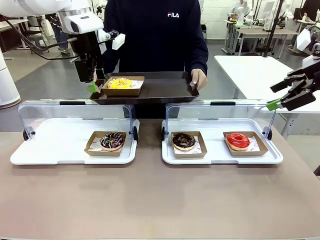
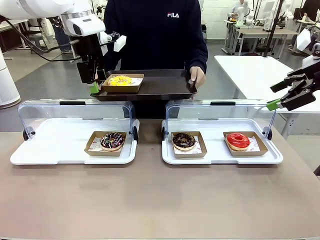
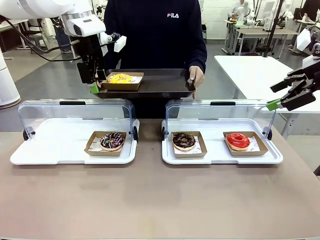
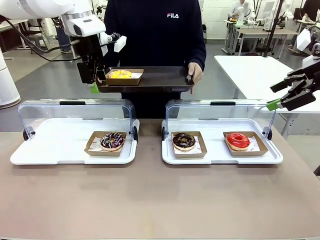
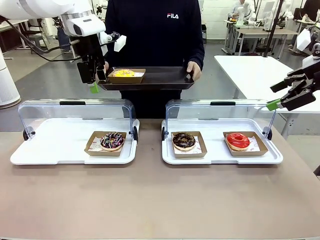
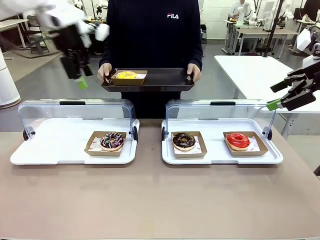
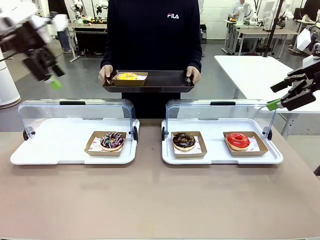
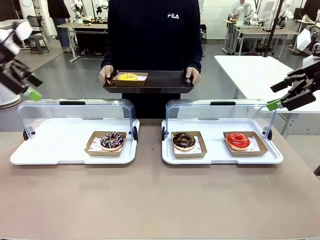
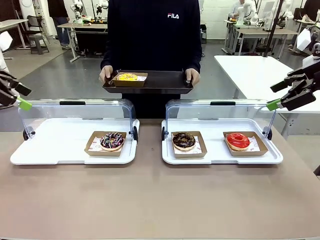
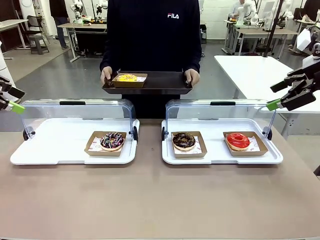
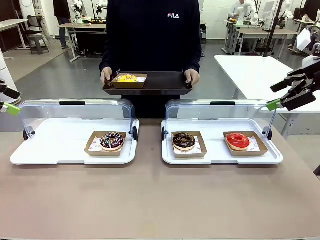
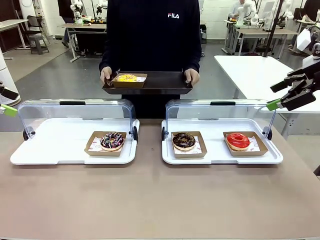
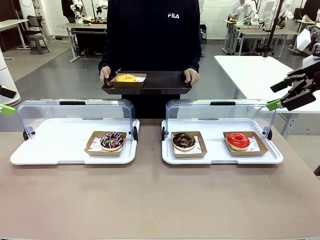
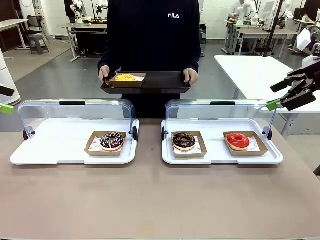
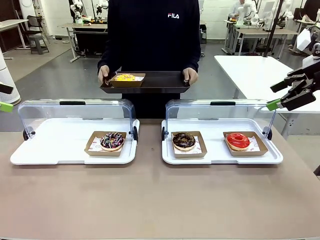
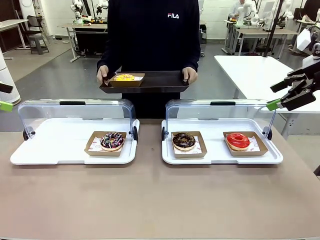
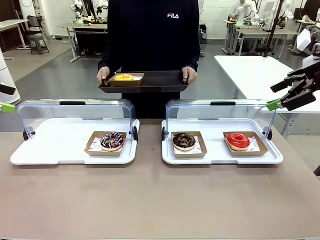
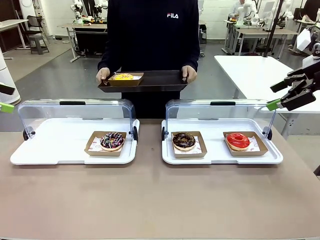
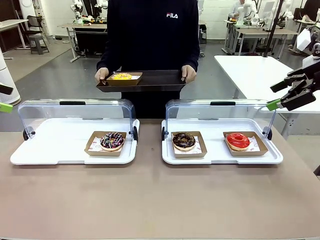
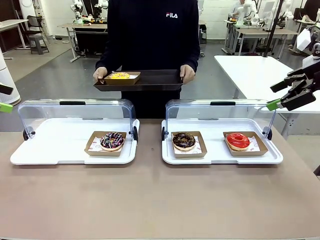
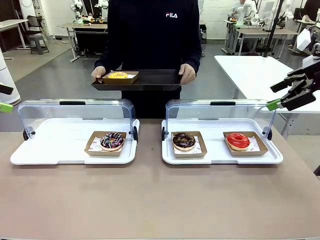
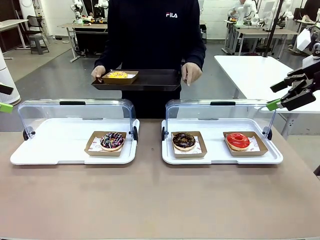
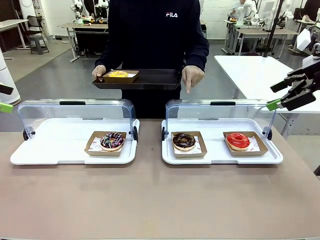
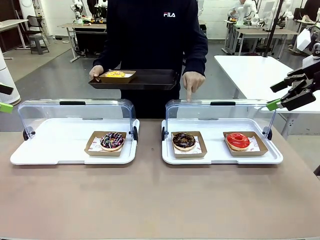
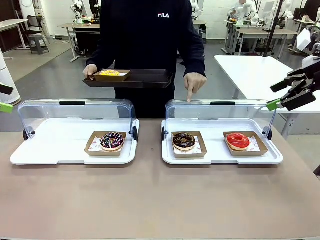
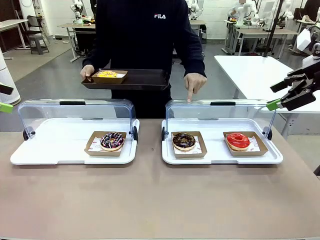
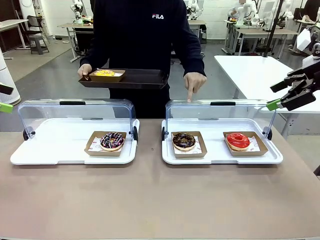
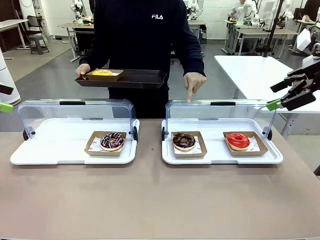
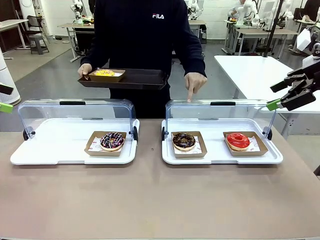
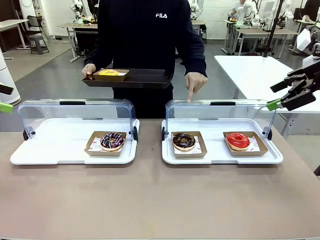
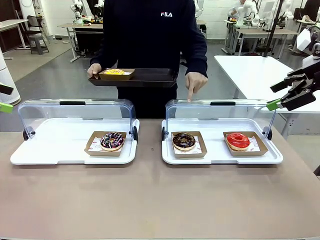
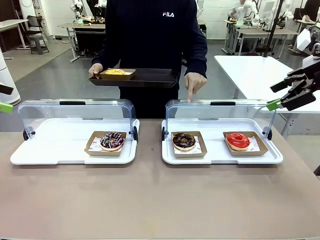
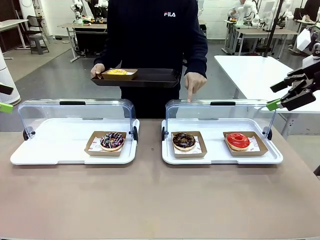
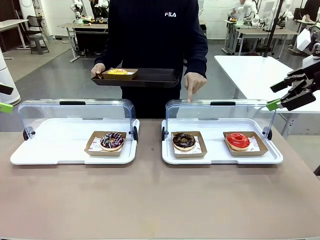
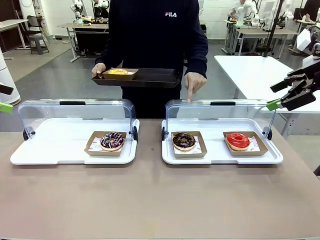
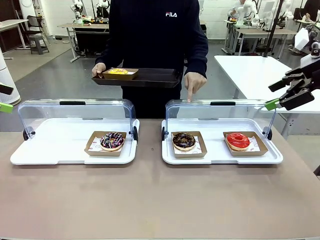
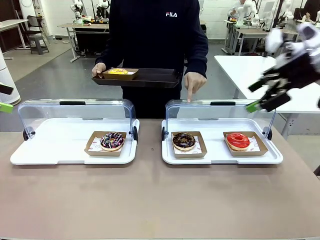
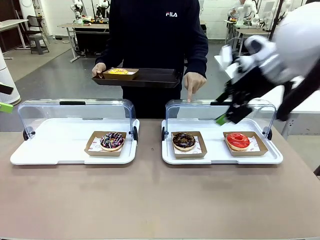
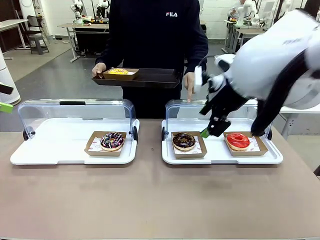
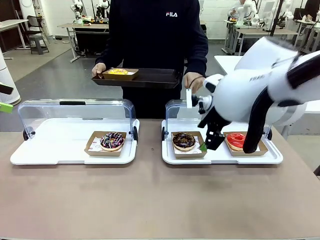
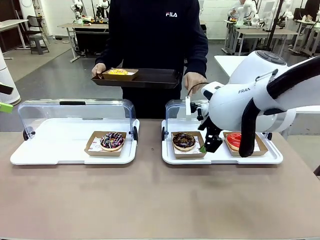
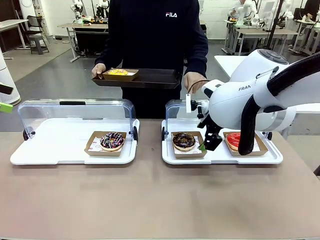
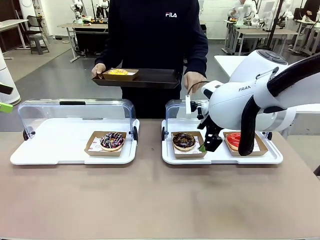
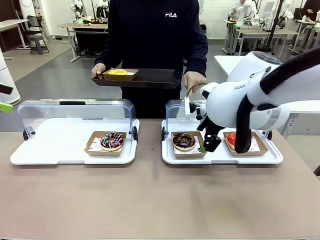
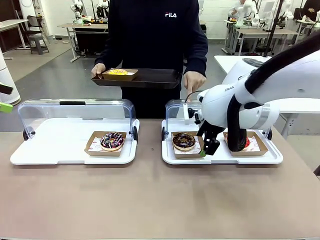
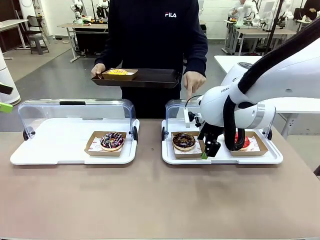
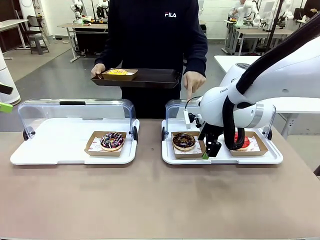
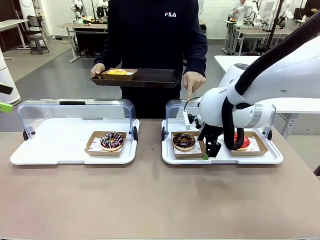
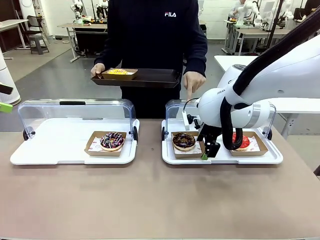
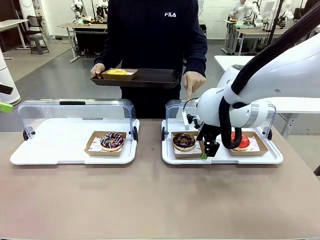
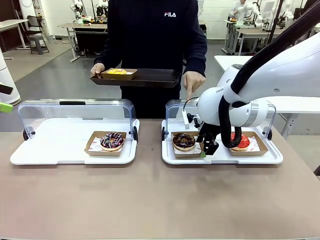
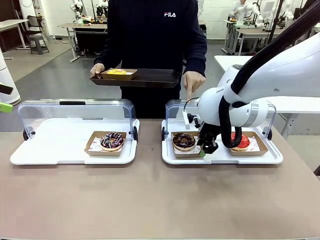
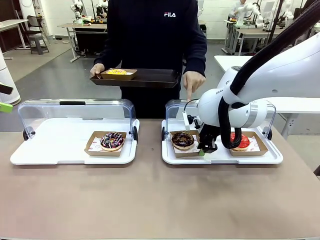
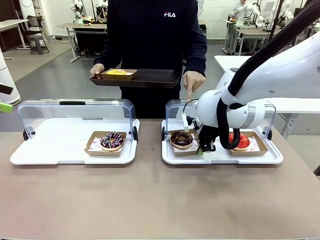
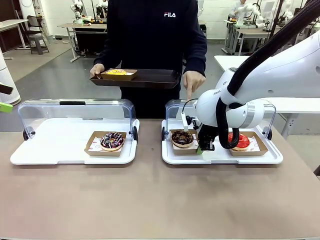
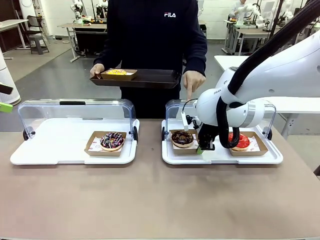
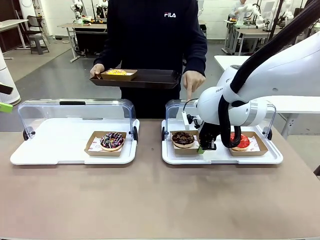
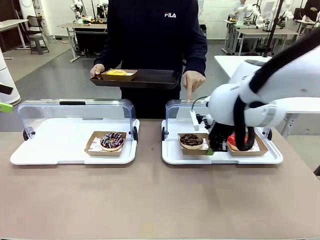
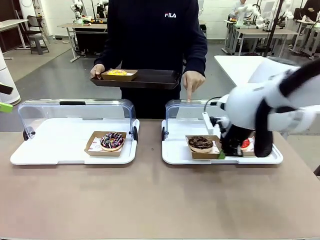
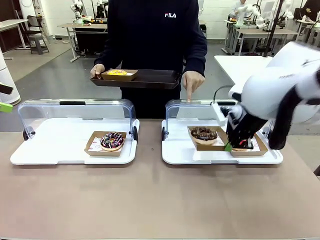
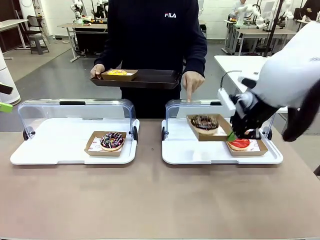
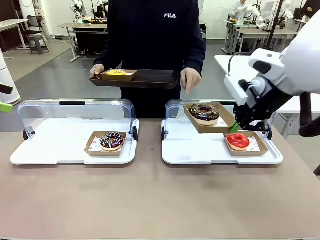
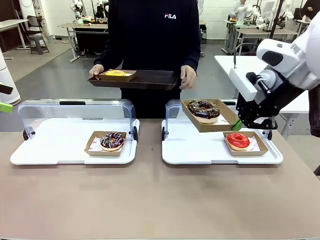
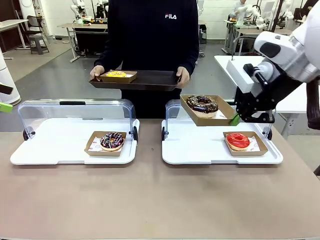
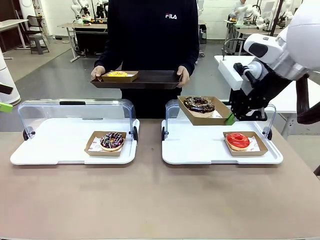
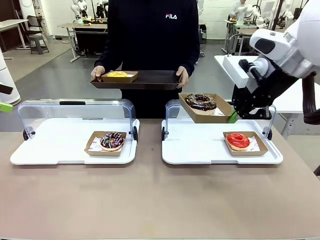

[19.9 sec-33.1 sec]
Task: Provide the desired donut to the person.
Robot: Pick up and lift the Paper togo box containing the Donut pointed at by the person.
Person: Lift the tray onto the Roll-Top Bakery Case.

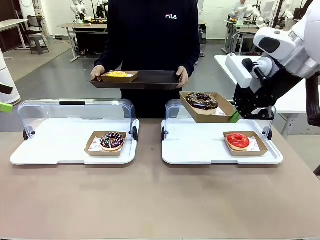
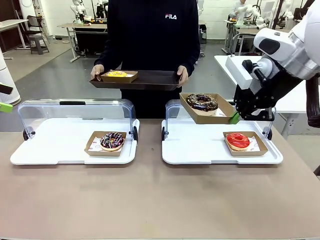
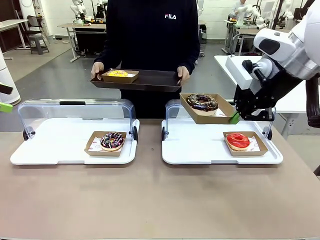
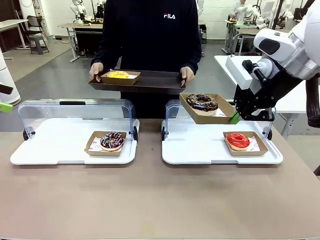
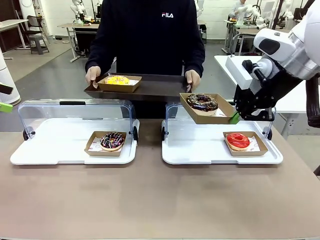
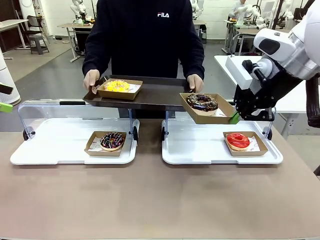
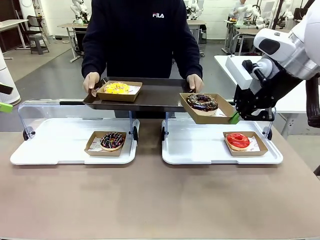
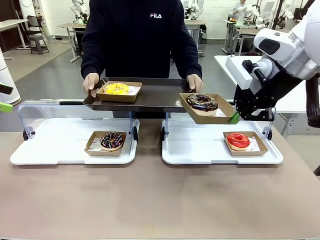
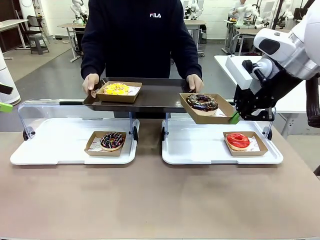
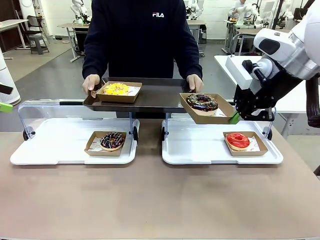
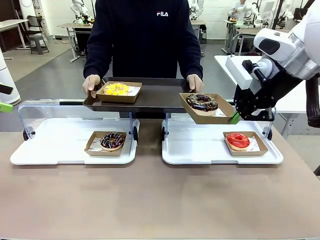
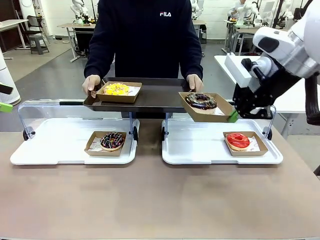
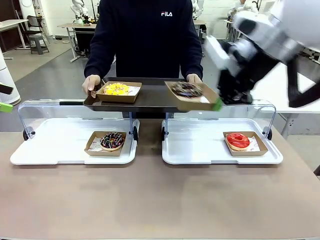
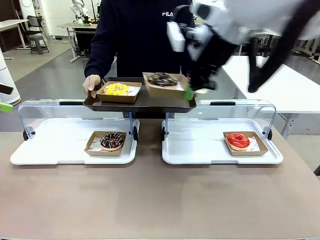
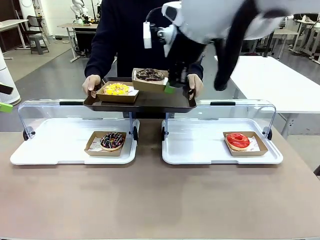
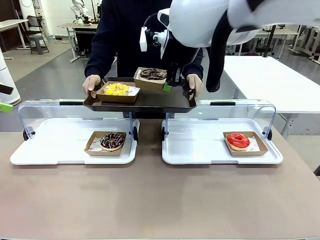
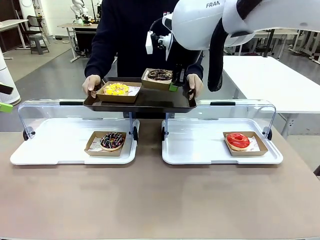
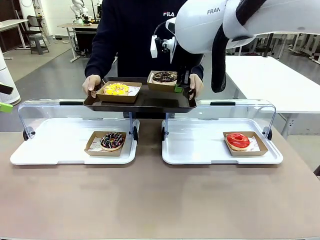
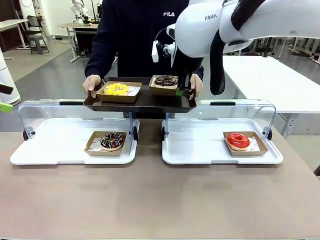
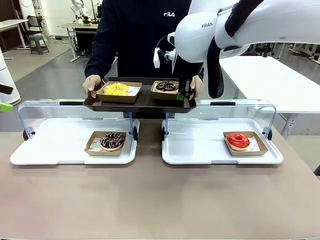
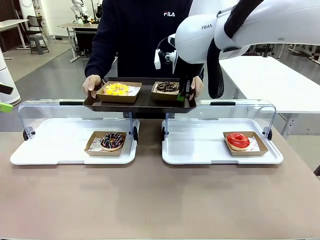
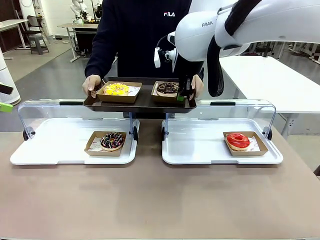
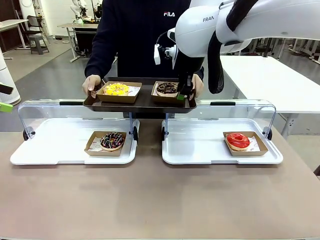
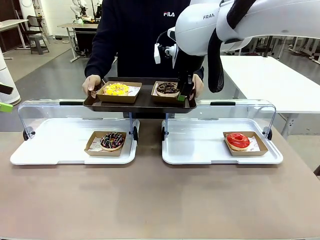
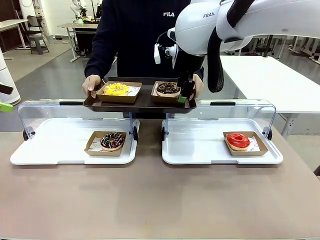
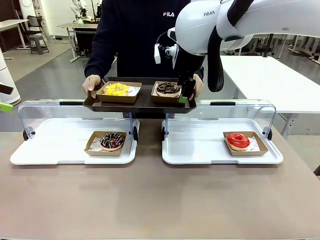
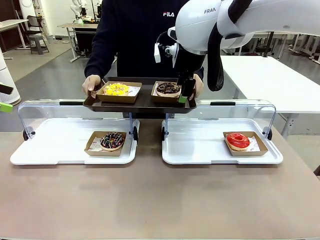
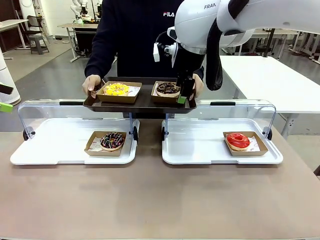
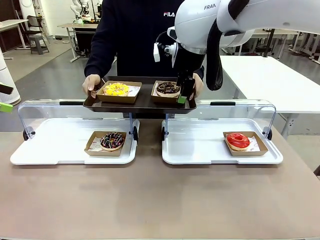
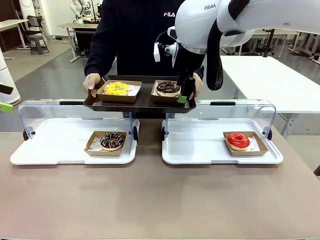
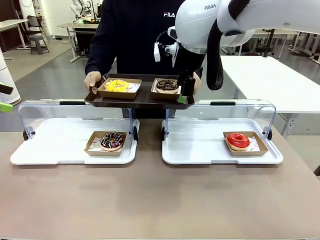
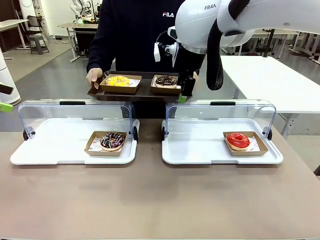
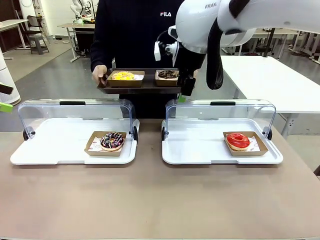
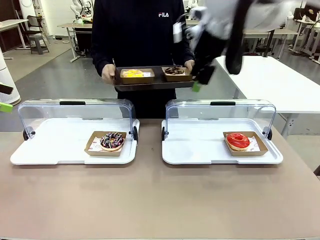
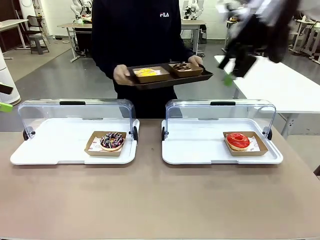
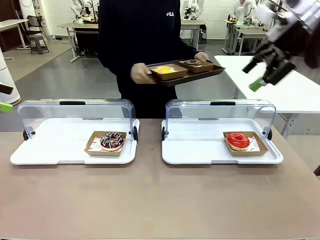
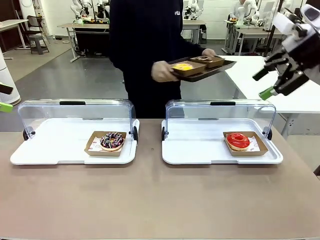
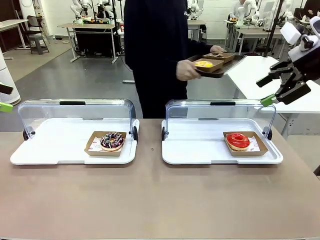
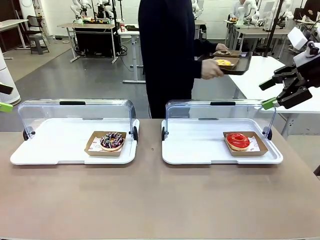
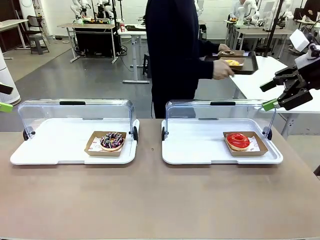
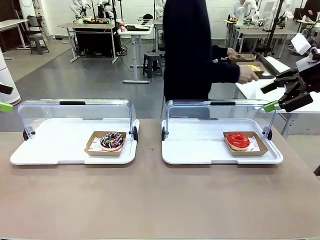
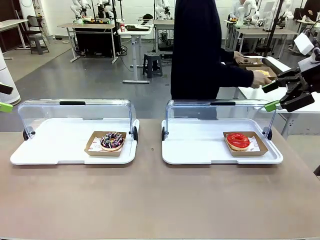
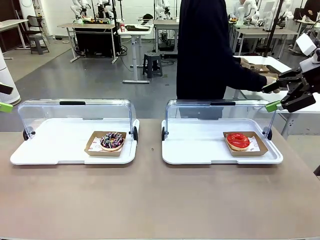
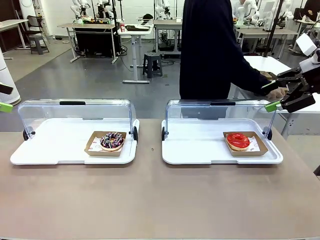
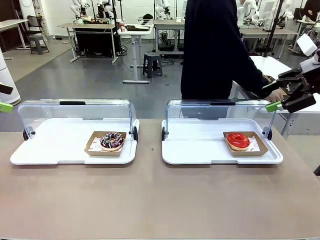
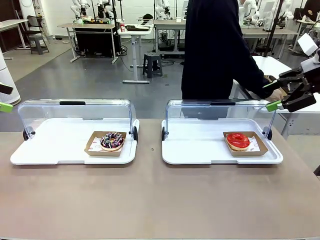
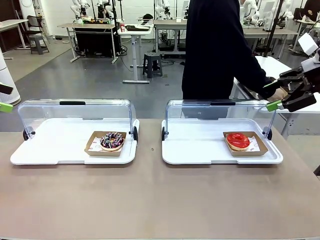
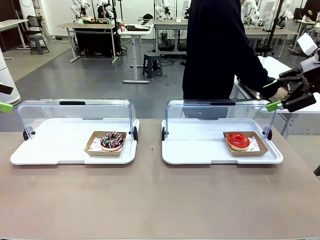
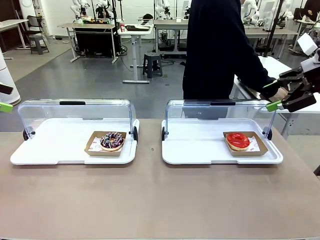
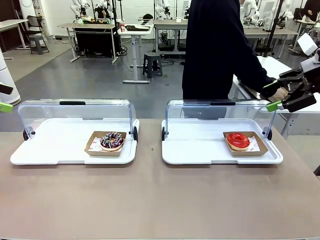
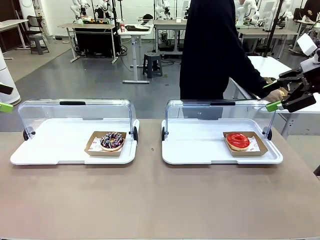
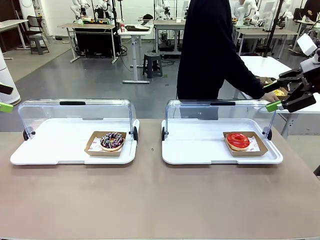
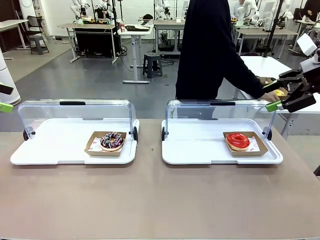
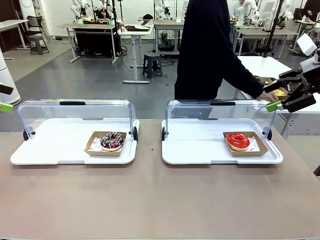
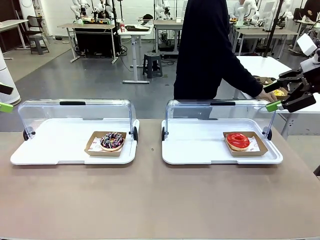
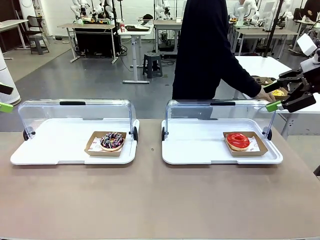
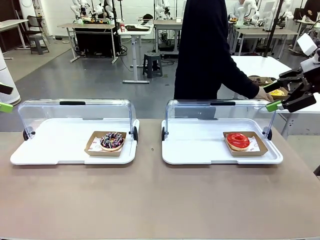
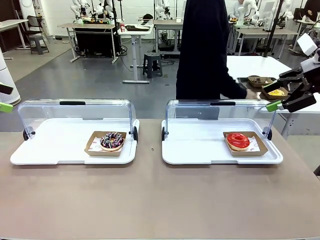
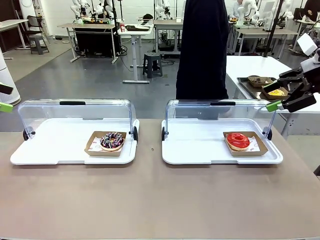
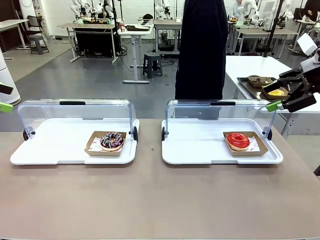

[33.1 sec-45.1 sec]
Robot: Place the picked Paper togo box onto the Handle tray extended by the person.
Person: Place the tray in the middle of the human table.
